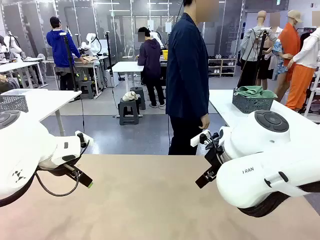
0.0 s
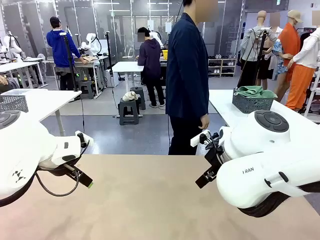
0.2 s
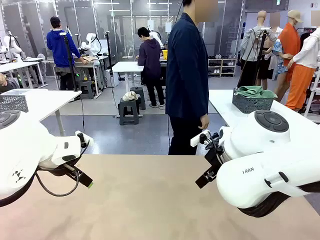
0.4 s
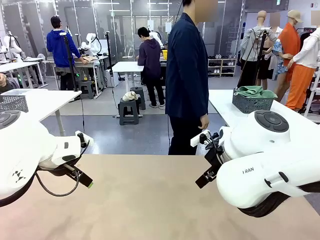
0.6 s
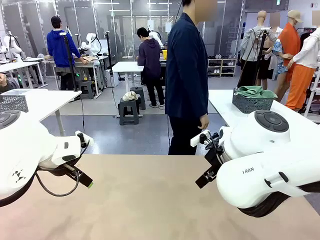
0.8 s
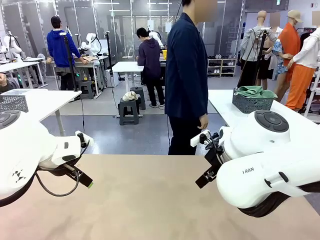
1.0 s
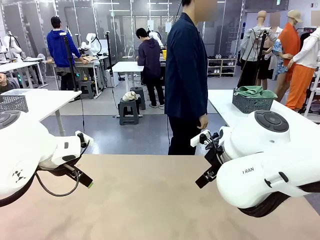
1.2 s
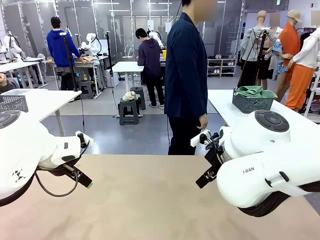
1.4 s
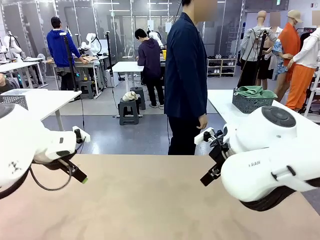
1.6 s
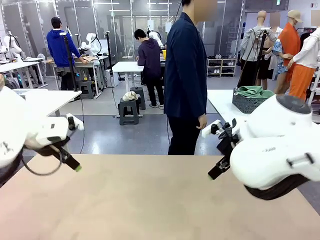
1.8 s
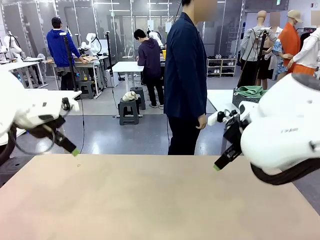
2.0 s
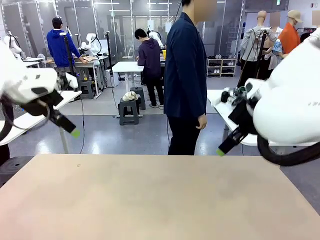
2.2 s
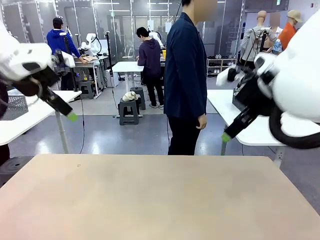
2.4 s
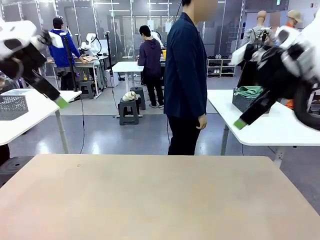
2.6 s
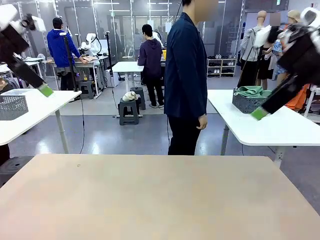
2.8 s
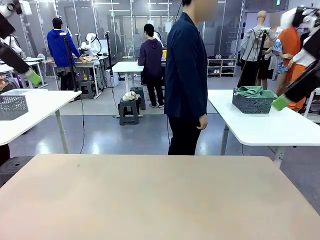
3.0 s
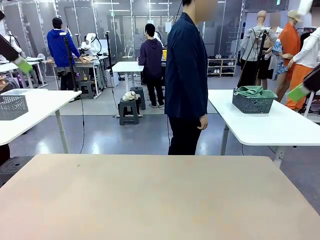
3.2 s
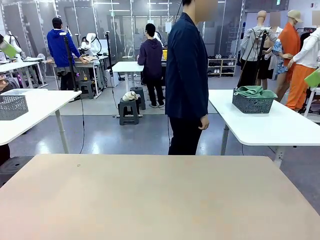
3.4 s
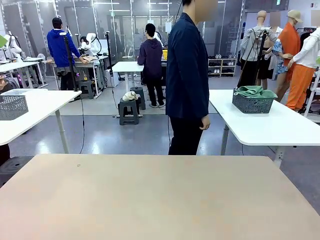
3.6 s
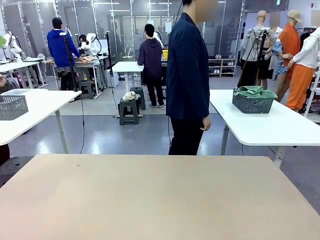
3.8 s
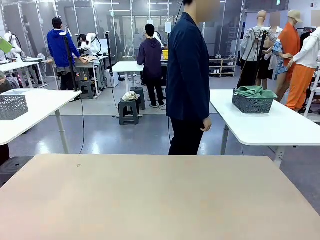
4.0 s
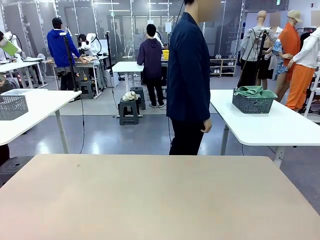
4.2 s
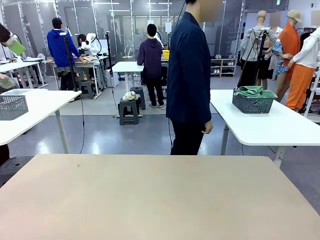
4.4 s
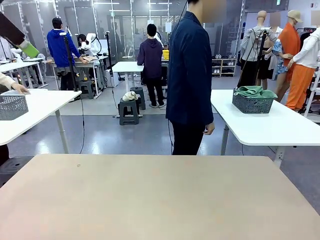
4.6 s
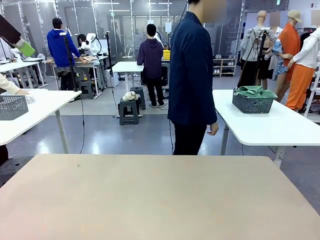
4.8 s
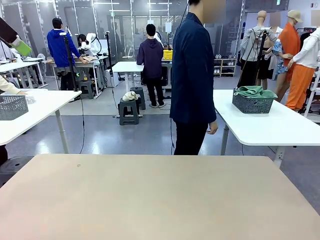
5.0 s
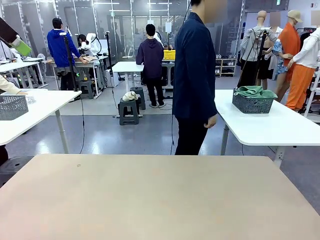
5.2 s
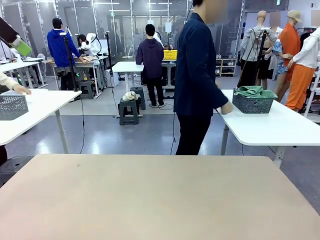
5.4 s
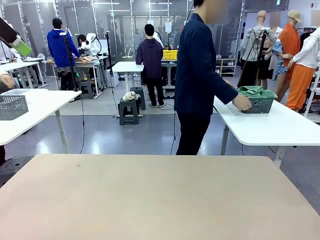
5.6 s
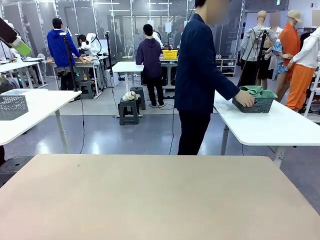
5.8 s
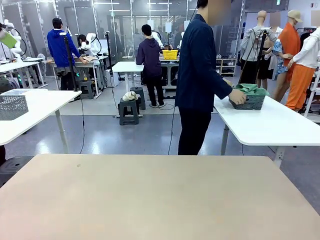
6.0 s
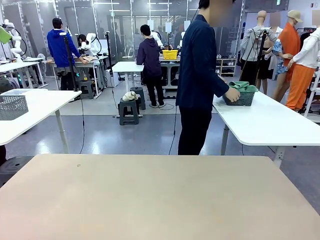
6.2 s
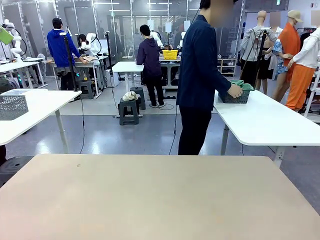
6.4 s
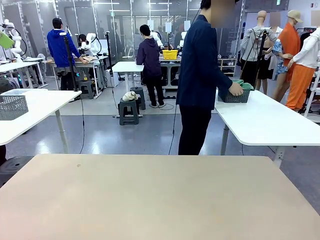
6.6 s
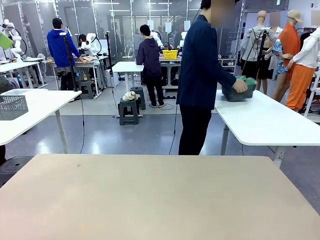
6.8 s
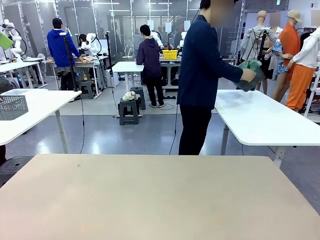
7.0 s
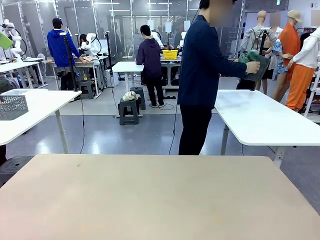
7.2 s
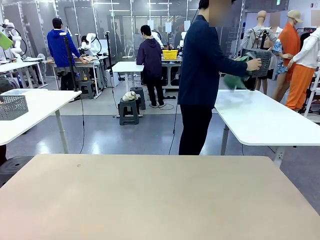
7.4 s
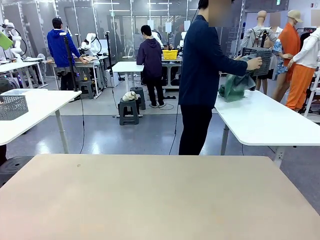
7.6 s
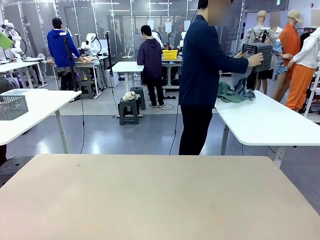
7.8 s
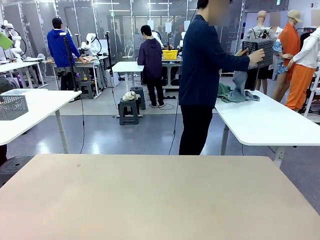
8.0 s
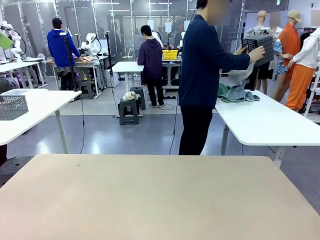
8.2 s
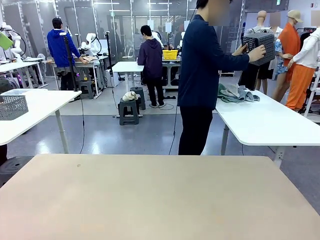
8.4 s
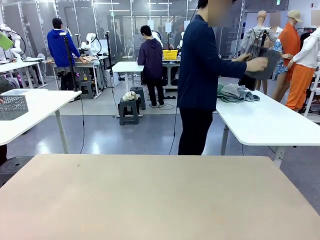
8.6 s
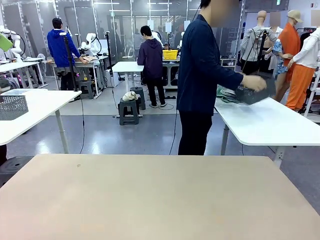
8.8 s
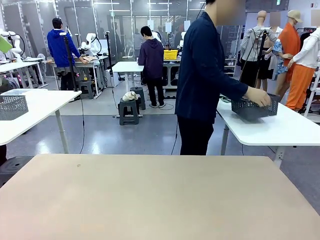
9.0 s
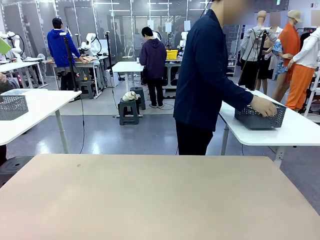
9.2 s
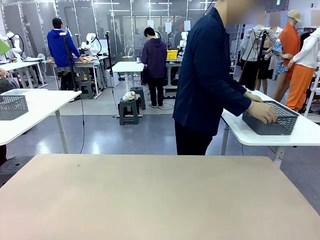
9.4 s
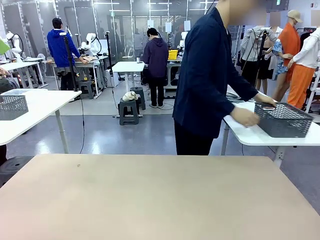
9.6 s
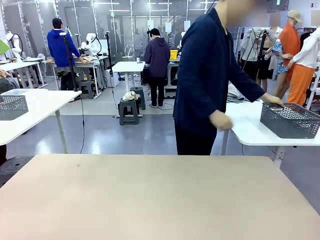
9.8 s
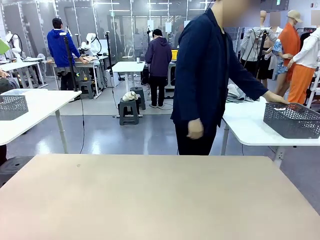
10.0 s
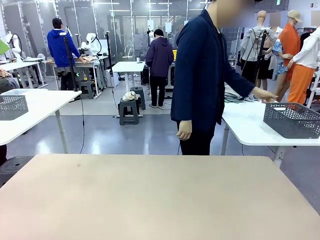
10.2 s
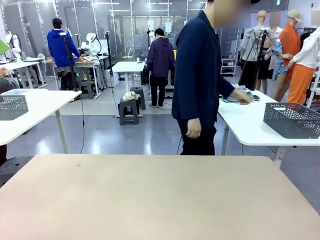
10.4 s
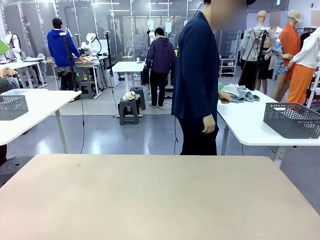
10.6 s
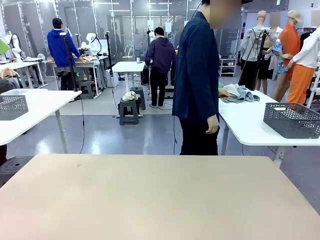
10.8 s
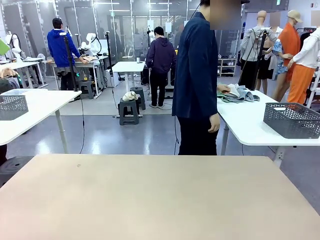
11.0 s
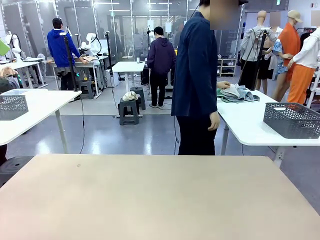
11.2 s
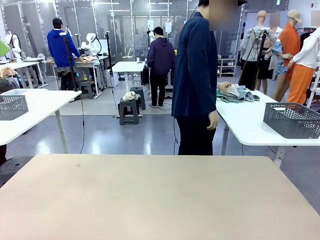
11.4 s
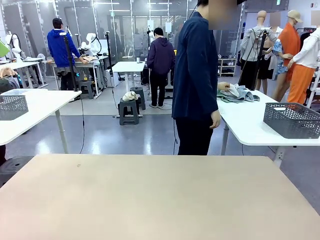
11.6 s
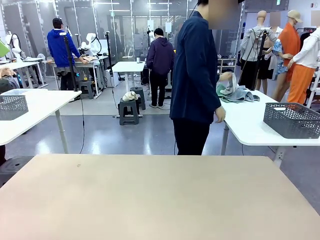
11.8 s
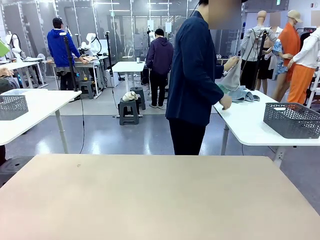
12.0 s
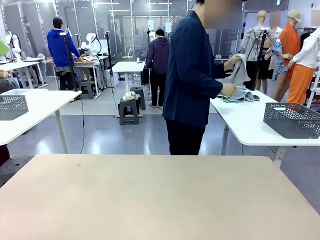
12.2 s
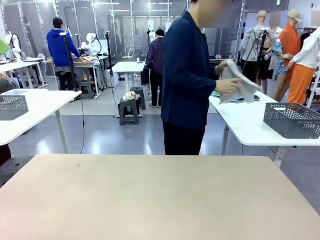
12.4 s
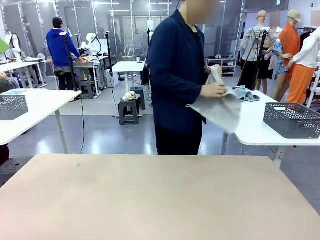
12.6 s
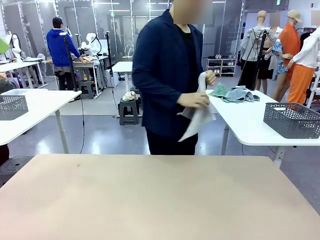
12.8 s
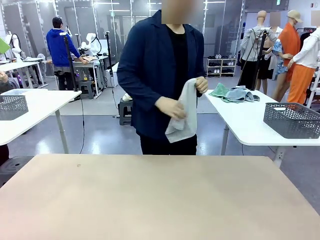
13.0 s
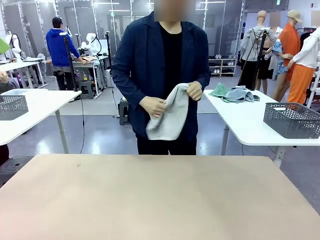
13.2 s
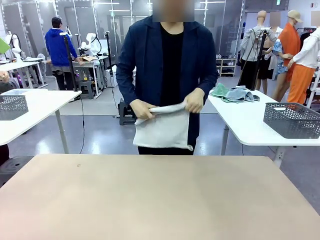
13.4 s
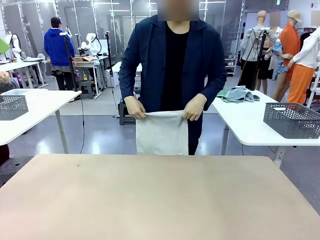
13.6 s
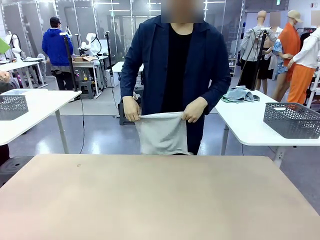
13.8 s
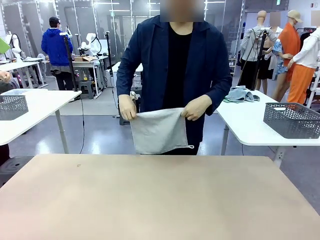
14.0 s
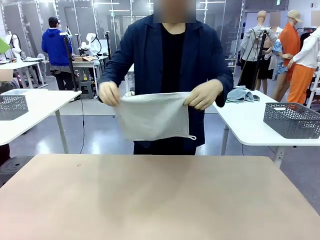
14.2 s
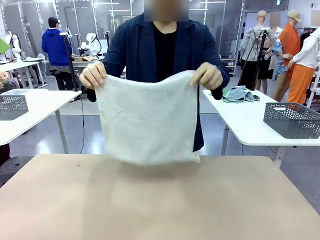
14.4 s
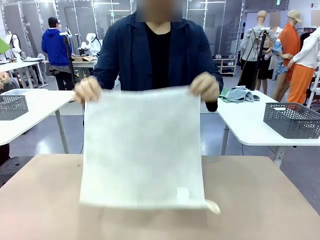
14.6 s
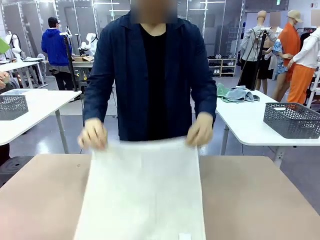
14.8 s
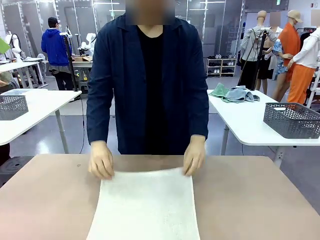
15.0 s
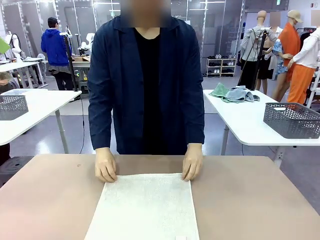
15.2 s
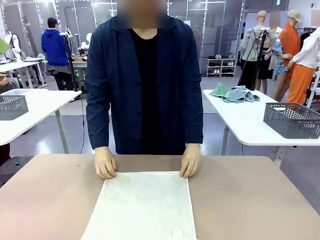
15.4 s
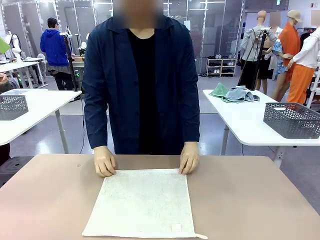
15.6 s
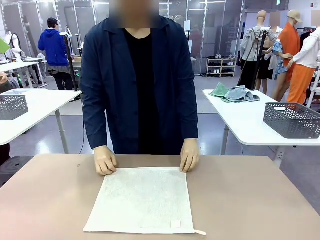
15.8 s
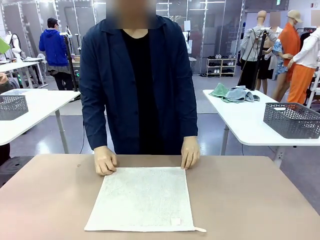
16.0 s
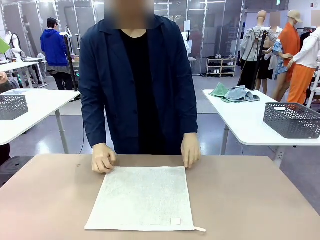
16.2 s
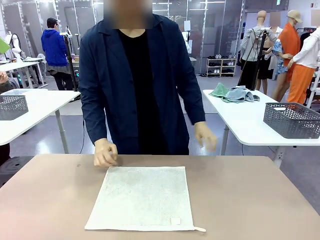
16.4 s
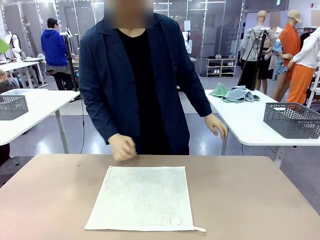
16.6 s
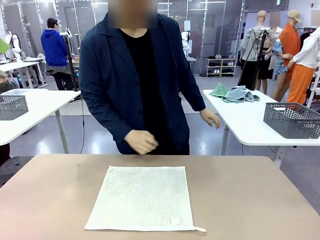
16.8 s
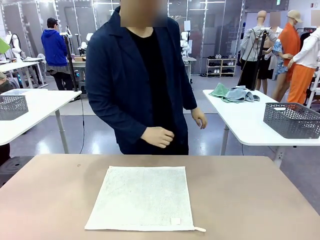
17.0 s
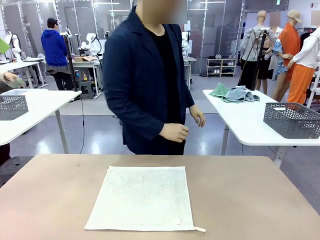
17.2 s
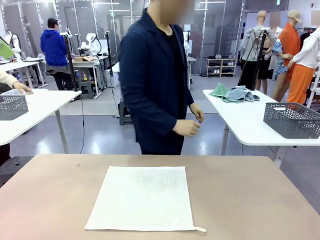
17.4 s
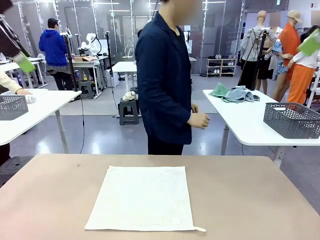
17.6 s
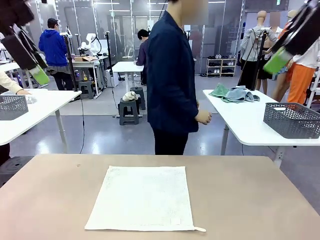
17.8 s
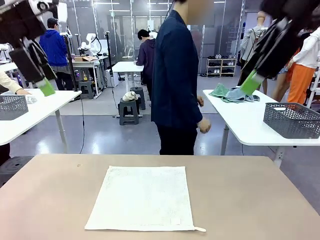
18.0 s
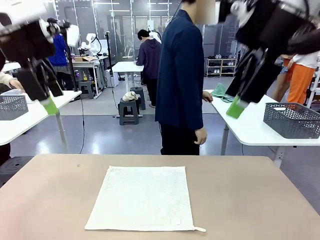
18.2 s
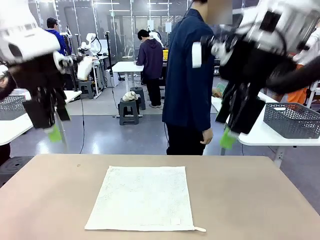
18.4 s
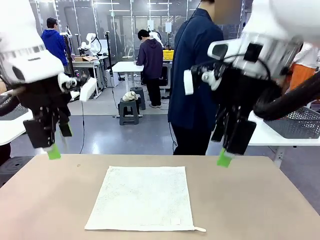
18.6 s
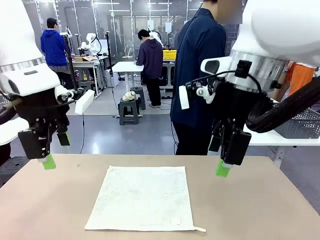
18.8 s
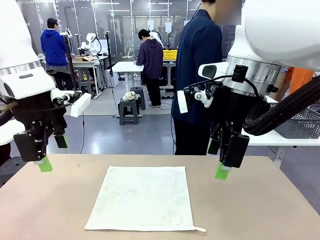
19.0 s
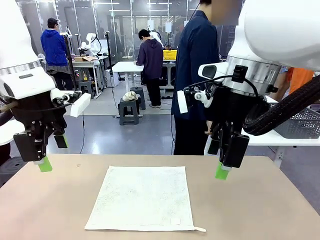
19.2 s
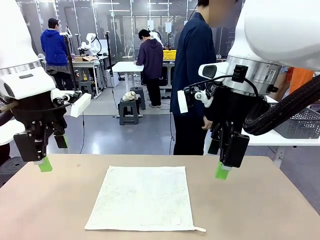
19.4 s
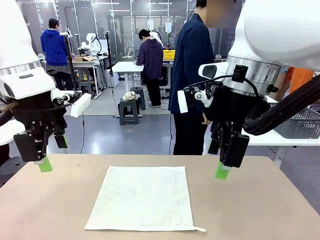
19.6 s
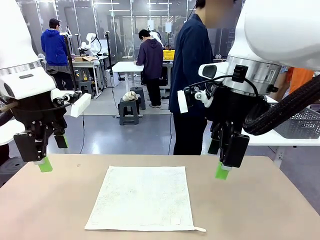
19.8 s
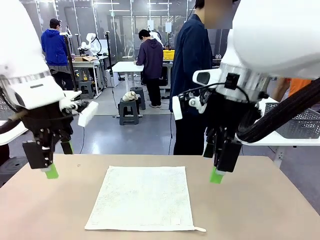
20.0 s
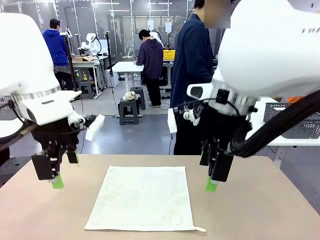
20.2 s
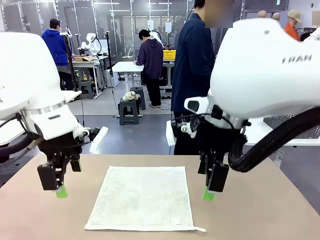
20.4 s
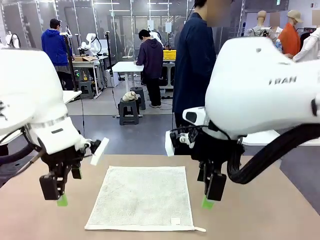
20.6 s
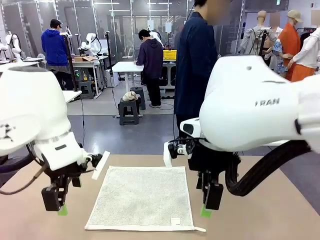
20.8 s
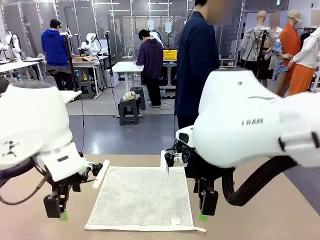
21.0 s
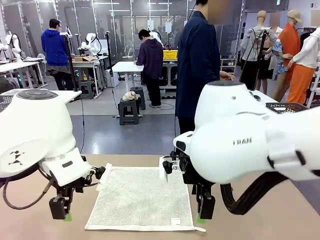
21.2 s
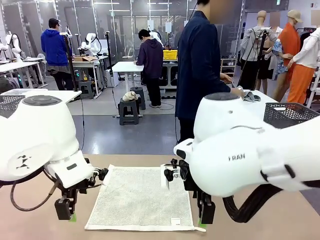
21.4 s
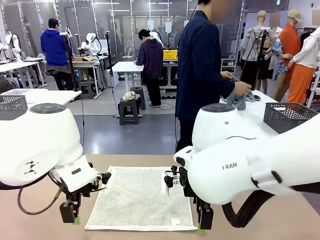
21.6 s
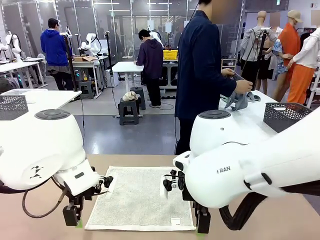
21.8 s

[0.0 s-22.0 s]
Task: Fold the towels and place them in the basket.
Robot: When a person lays out a Towel with hook on the table, fold it in half twice.
Person: Pick up the basket, pour the towels onto the left side of the human table, and place the basket on the right side. Pick up one towel and spread it out at the center of the robot table.
